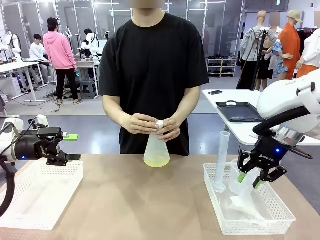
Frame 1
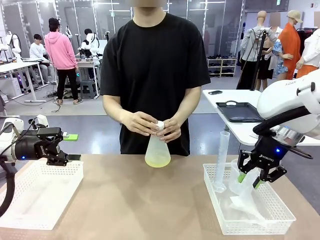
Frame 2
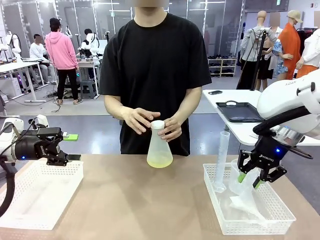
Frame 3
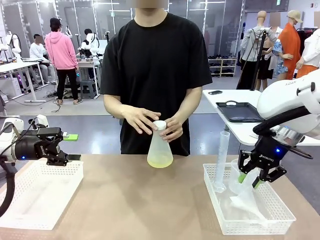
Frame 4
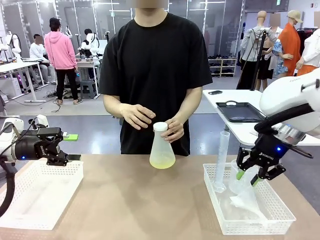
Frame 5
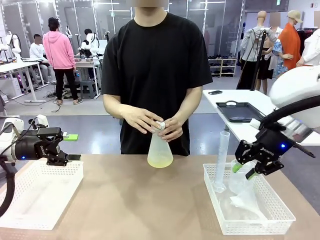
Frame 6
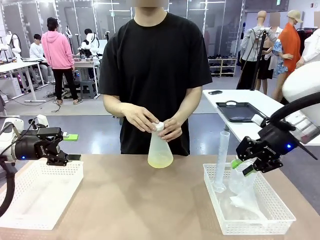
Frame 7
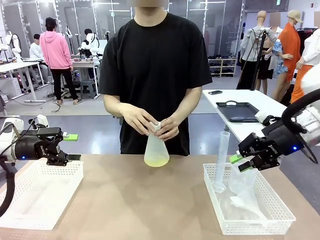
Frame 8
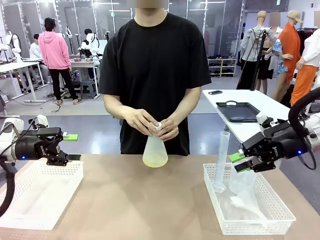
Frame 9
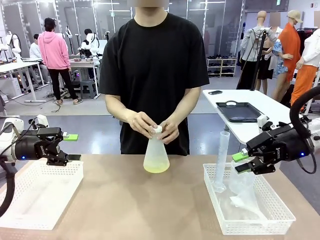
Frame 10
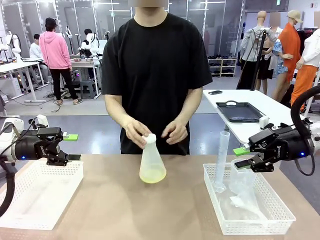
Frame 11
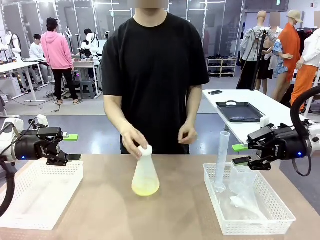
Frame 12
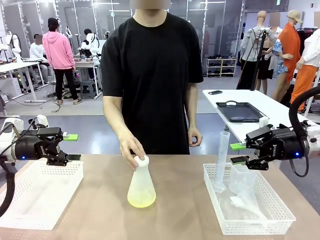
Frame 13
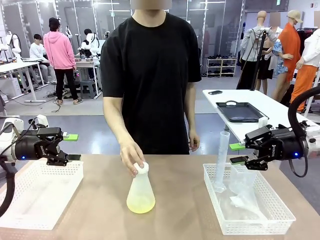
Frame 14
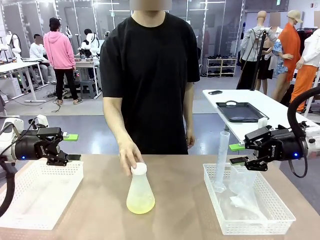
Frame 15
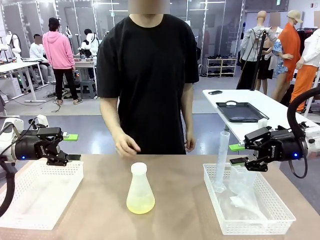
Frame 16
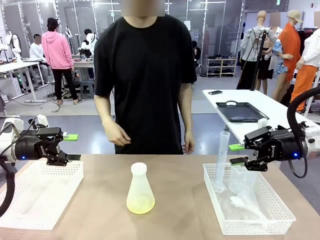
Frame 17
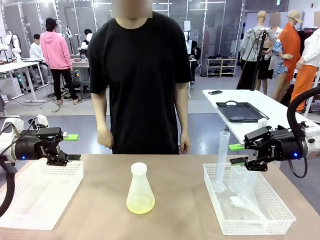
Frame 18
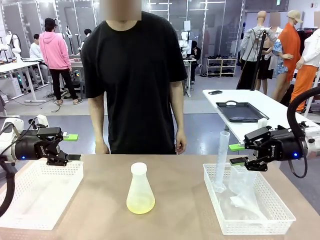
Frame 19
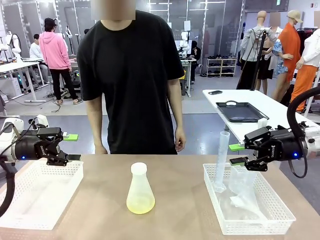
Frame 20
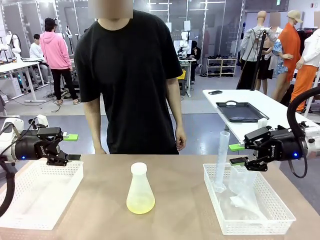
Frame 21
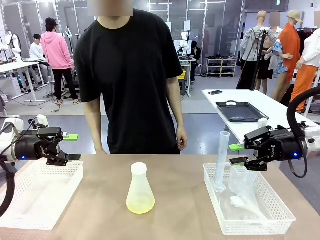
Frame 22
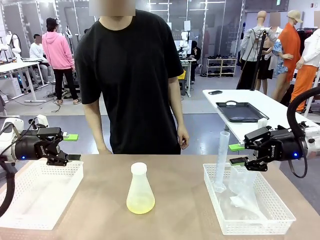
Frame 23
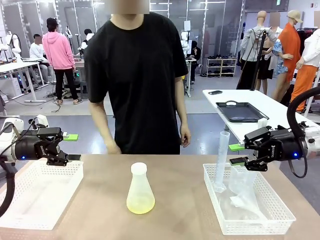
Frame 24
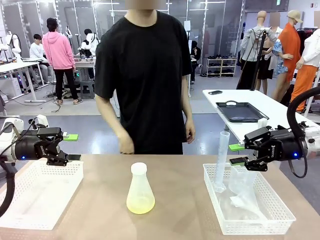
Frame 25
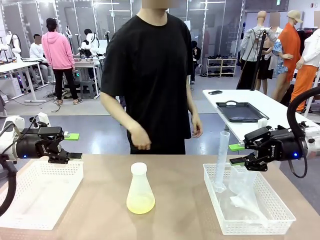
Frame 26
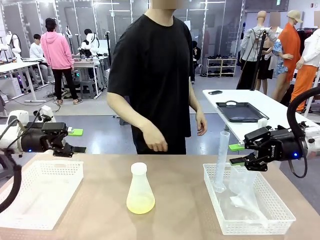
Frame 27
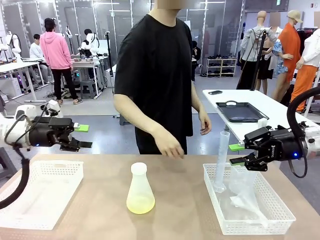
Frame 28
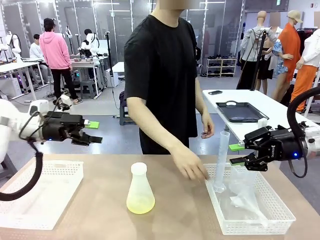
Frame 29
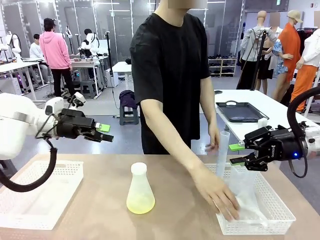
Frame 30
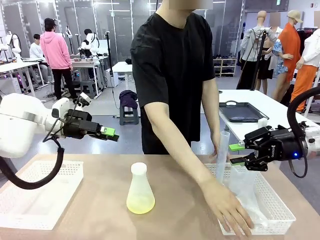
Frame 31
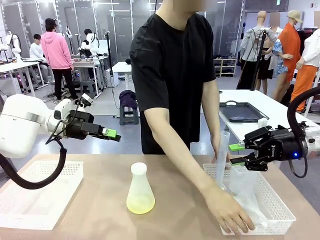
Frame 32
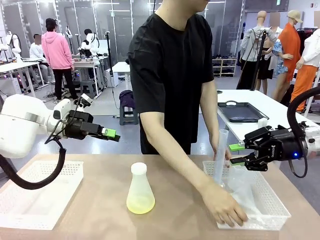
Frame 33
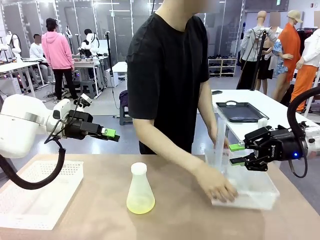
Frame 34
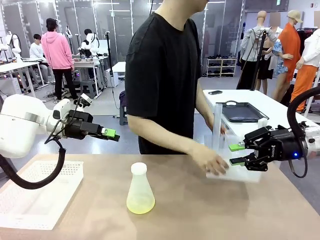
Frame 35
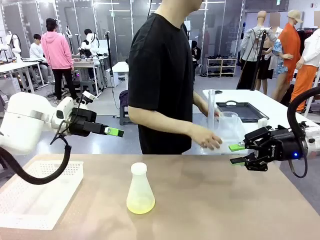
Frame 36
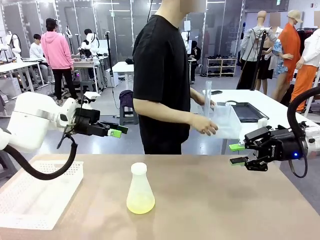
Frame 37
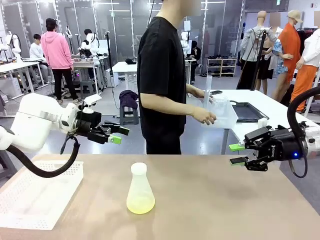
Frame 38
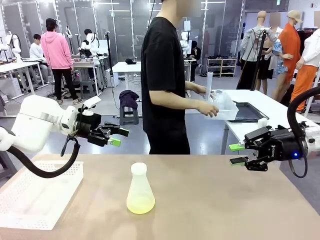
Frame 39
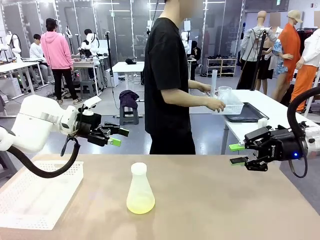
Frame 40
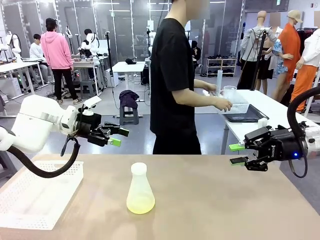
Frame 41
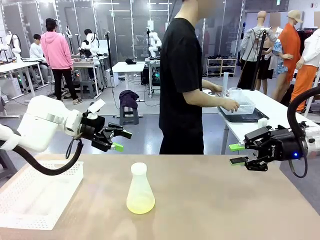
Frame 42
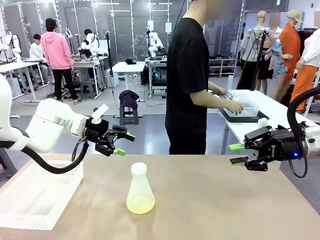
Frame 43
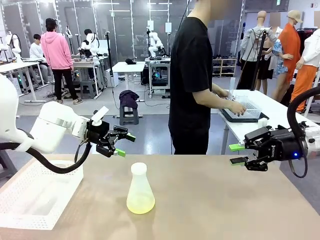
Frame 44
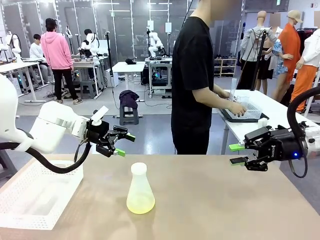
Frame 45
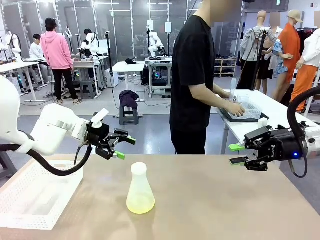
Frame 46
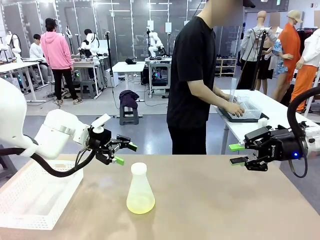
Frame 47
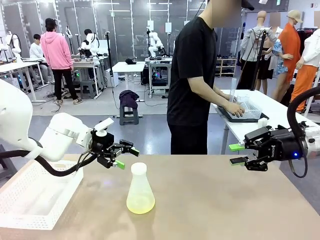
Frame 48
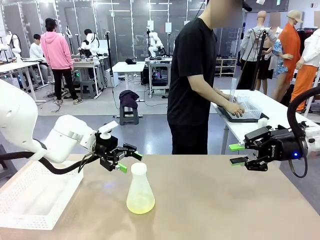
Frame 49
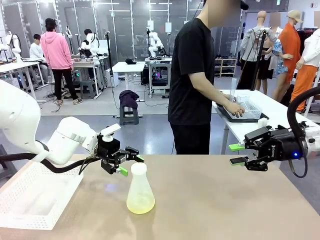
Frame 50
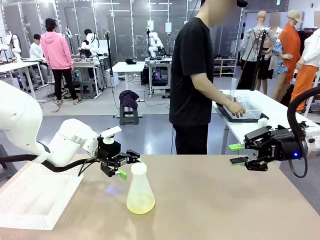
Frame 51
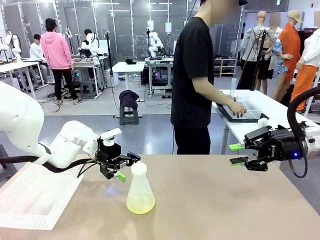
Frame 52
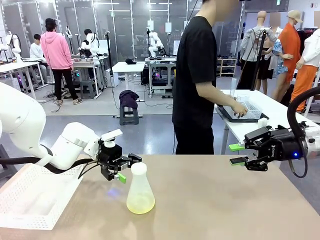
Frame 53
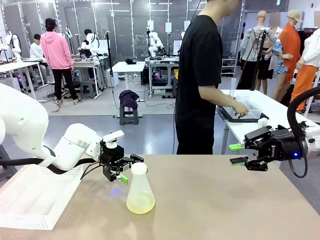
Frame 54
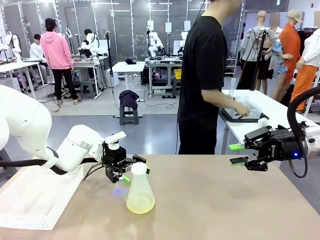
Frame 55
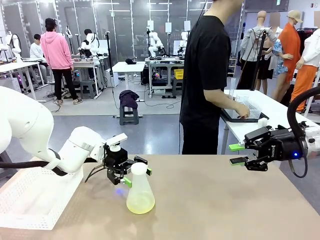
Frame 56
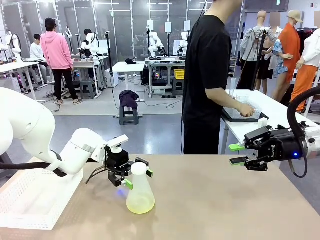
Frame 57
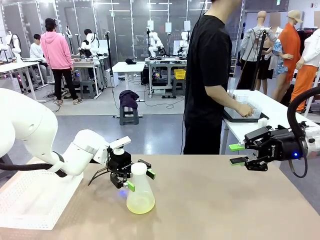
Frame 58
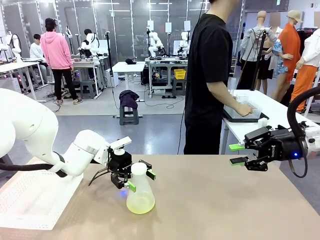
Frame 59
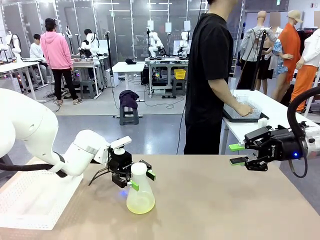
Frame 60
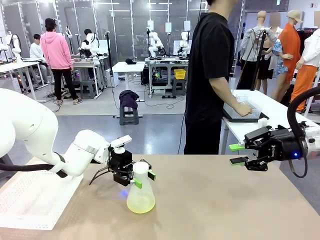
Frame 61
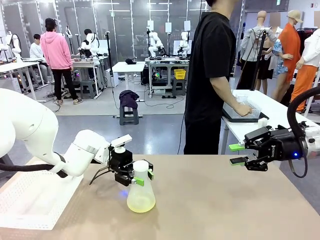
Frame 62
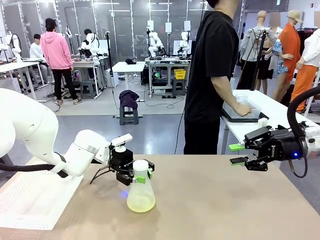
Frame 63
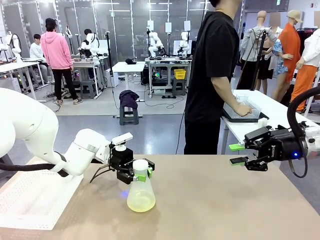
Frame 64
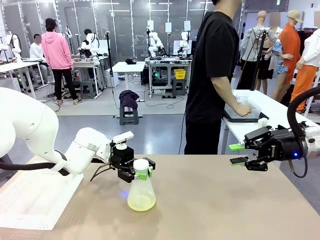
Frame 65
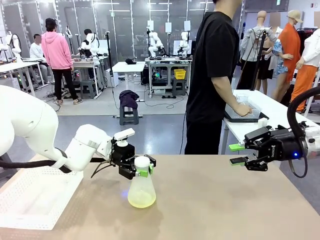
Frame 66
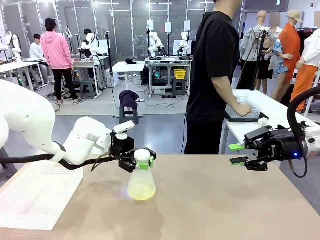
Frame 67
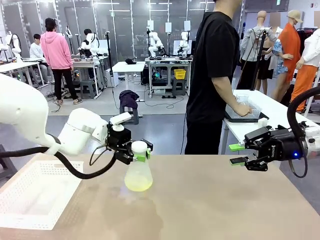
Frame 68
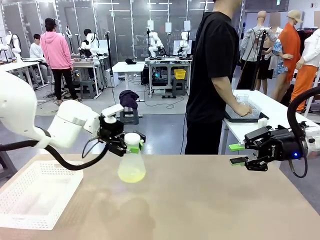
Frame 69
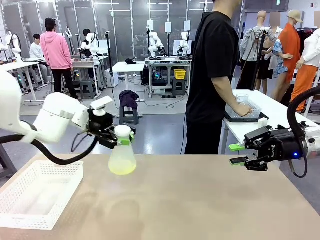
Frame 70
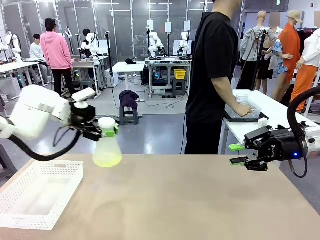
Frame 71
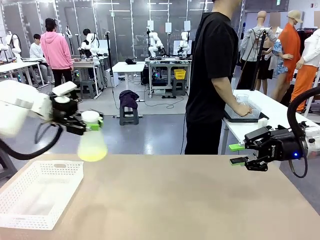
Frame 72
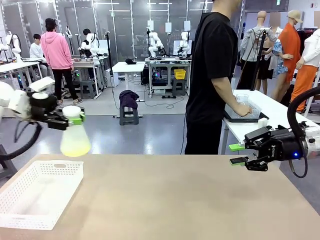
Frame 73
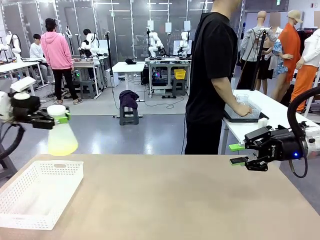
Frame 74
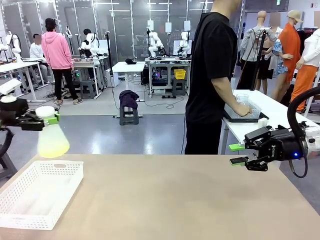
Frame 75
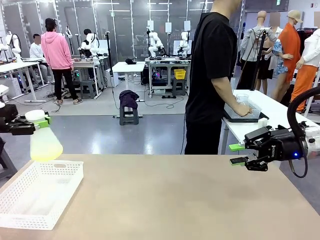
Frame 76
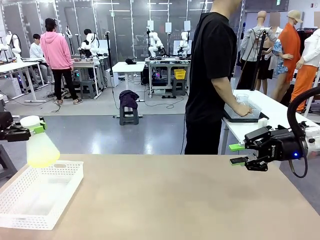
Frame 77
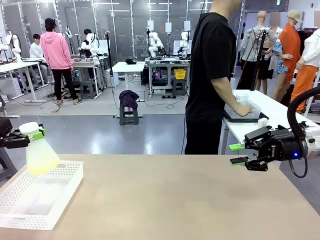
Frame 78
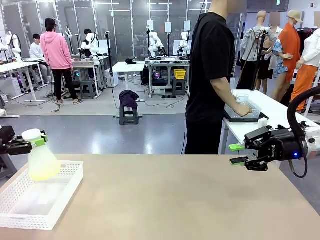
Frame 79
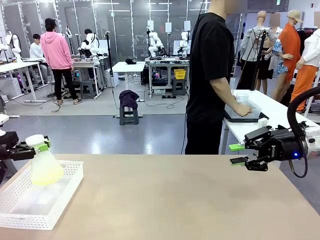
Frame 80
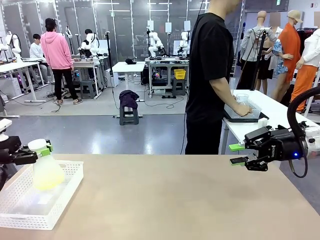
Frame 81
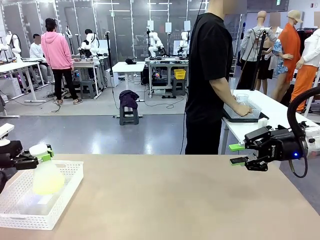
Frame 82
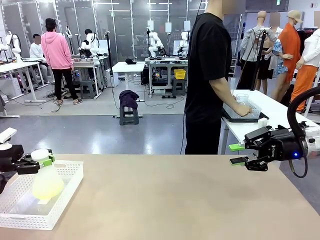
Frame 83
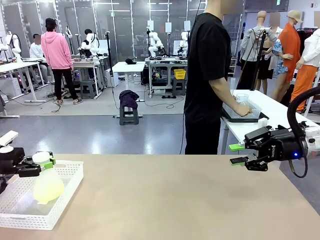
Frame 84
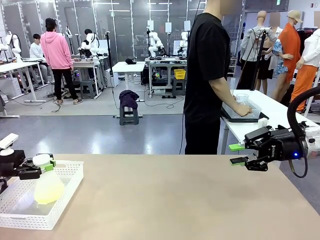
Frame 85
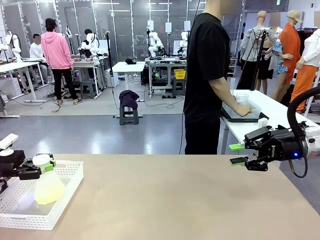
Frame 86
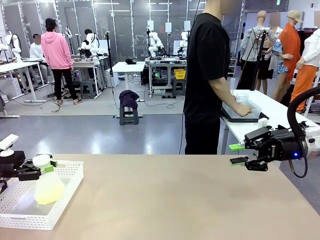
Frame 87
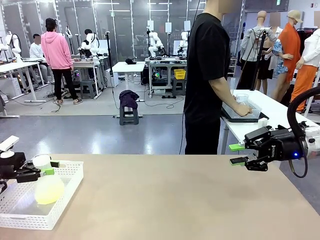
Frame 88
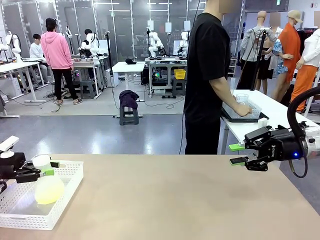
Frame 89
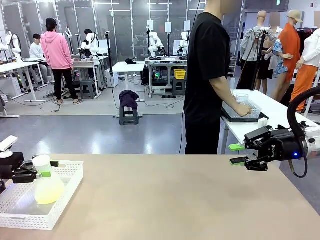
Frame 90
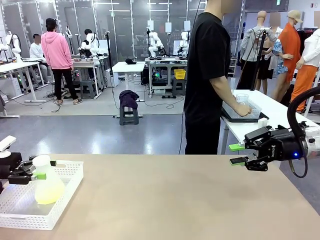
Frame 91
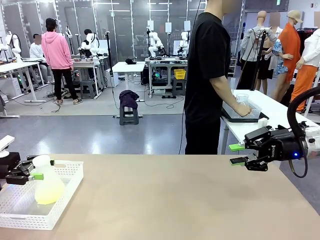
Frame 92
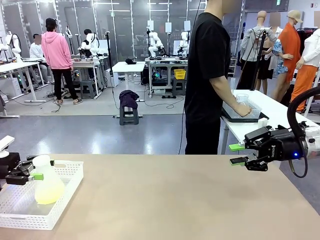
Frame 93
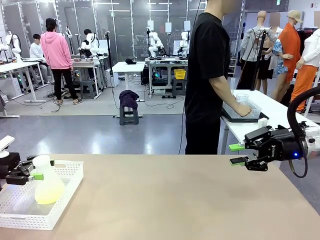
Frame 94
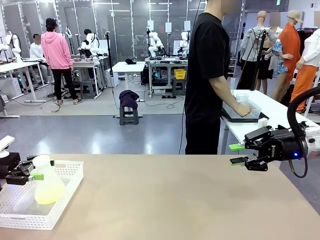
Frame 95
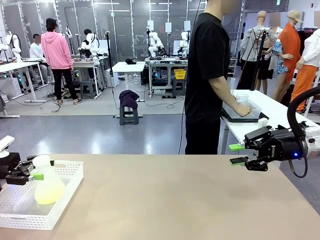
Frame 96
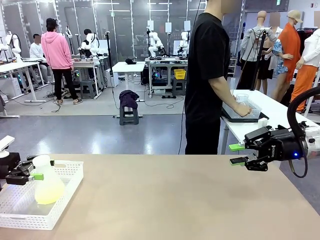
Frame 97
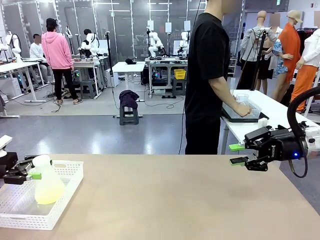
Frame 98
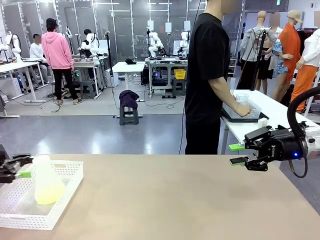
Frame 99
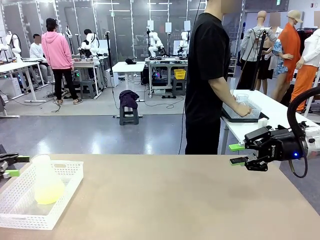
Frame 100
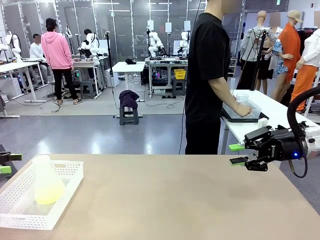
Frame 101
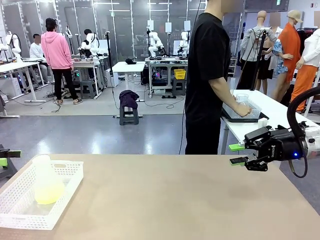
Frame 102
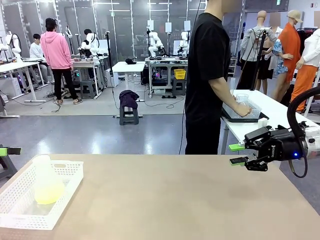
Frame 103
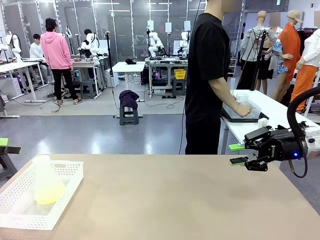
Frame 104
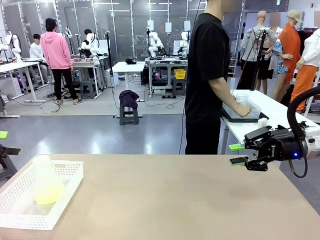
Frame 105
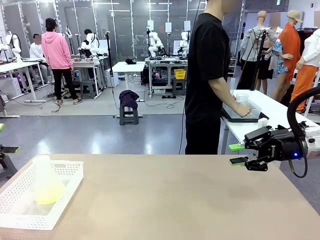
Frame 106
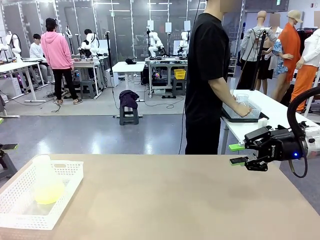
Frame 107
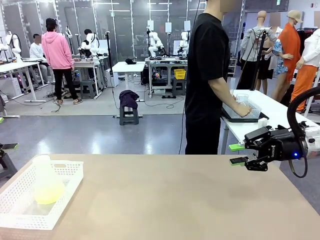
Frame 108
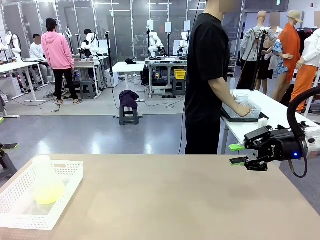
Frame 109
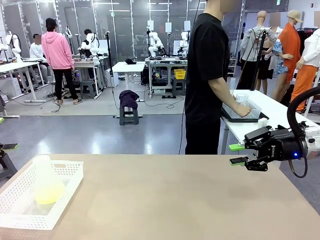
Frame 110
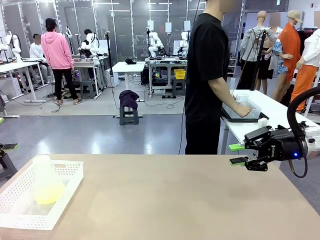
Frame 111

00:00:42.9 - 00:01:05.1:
Task: Prepare the solutions needed for the experiment.
Robot: When the human places the Big flask in the center of the table, pick up the Big flask and place it in the left Organizing basket.
Person: Pick up the organizing basket on the left side of the robot table and place it on the left side of the human table.
